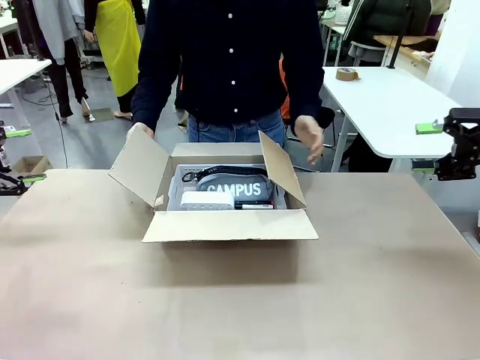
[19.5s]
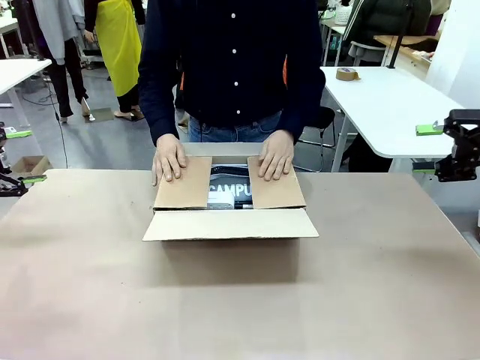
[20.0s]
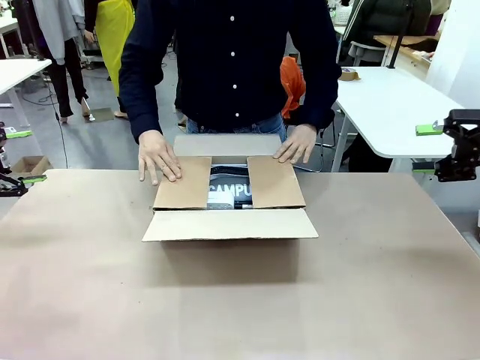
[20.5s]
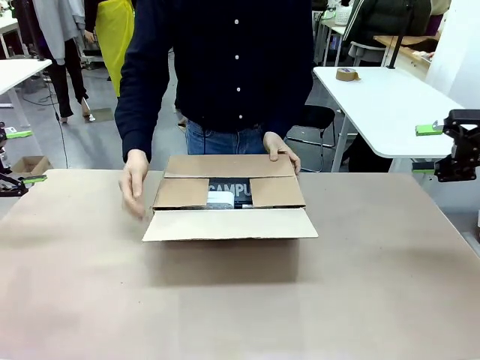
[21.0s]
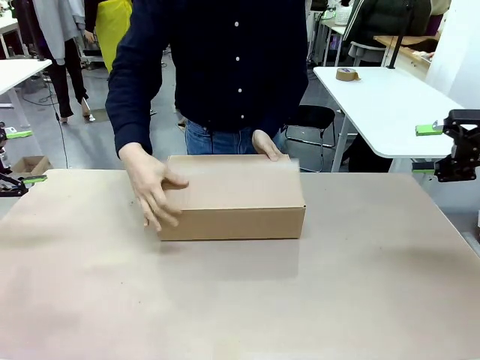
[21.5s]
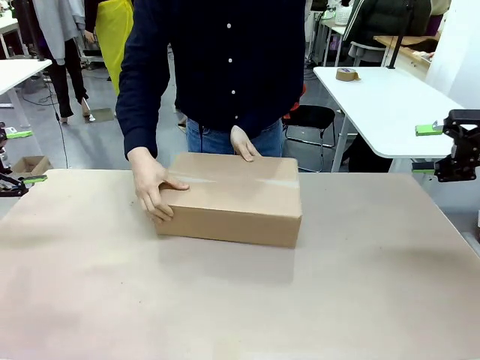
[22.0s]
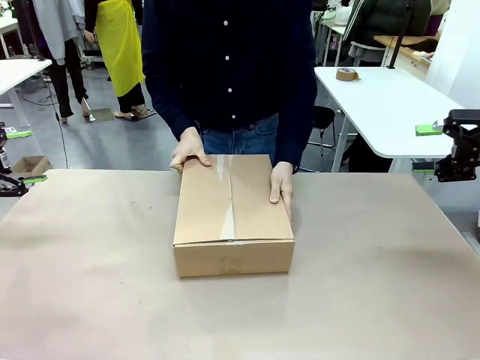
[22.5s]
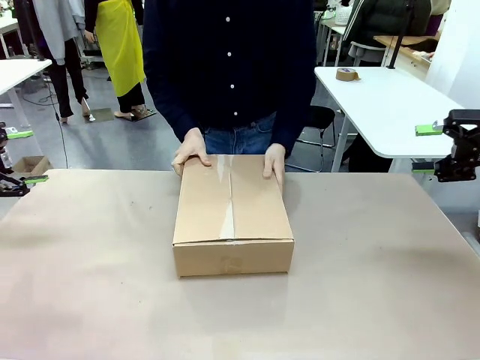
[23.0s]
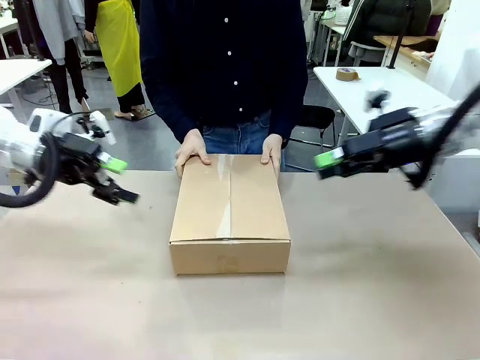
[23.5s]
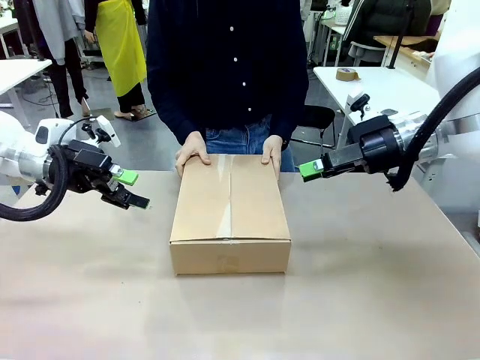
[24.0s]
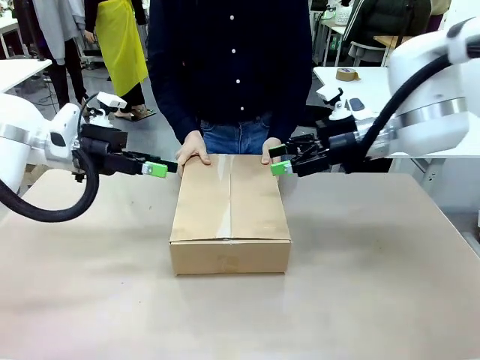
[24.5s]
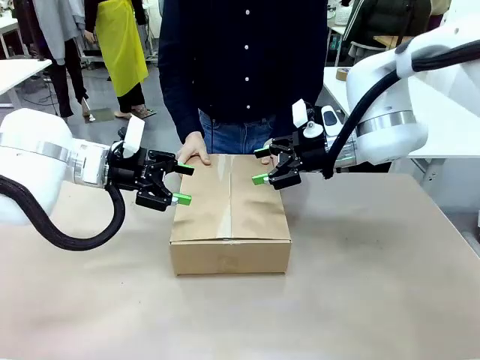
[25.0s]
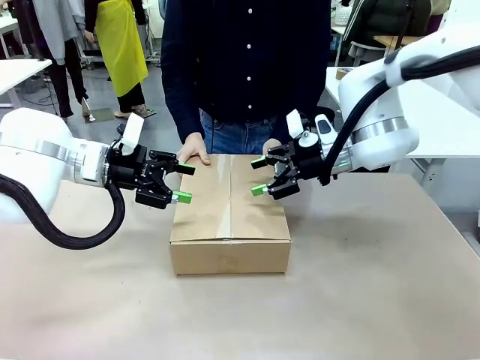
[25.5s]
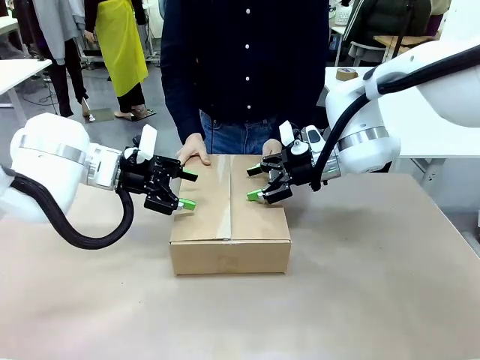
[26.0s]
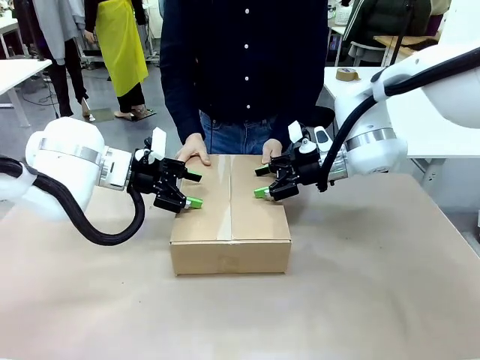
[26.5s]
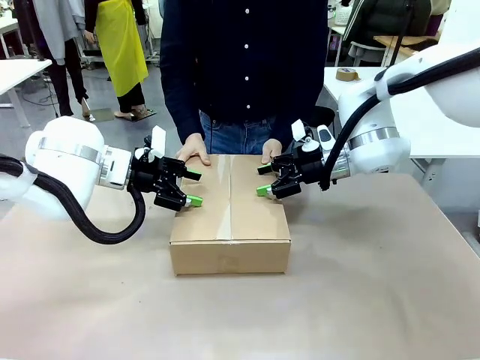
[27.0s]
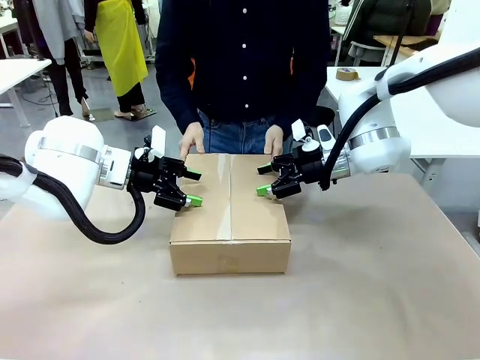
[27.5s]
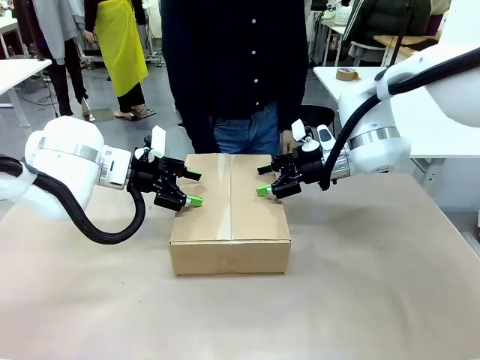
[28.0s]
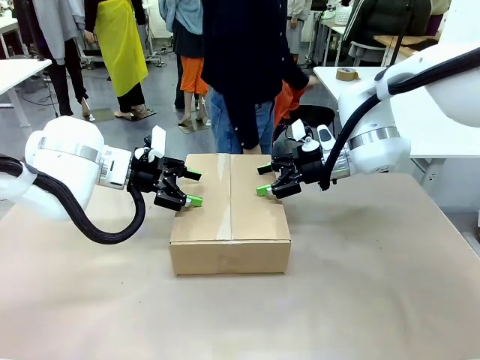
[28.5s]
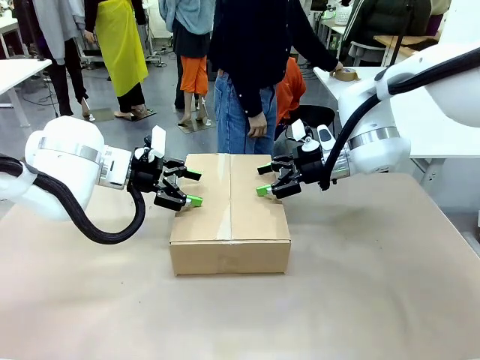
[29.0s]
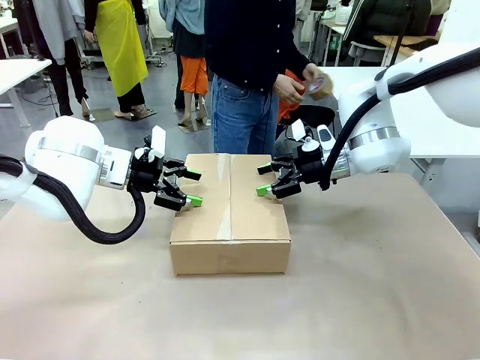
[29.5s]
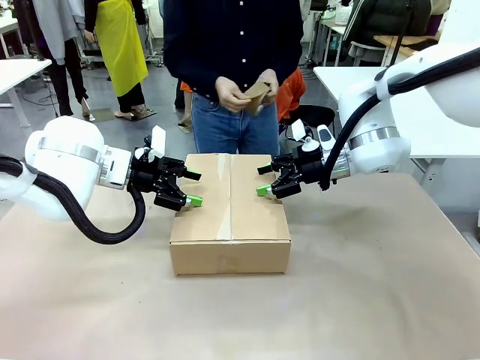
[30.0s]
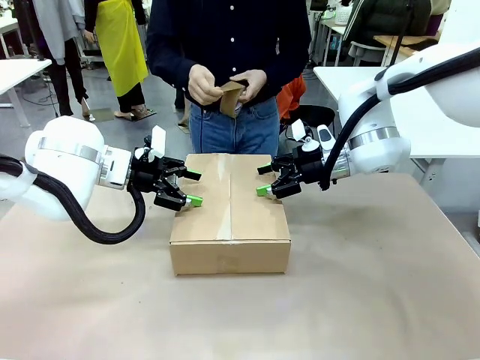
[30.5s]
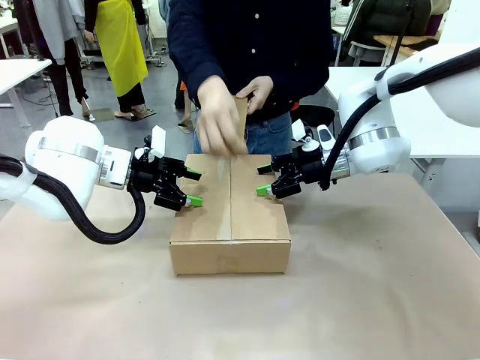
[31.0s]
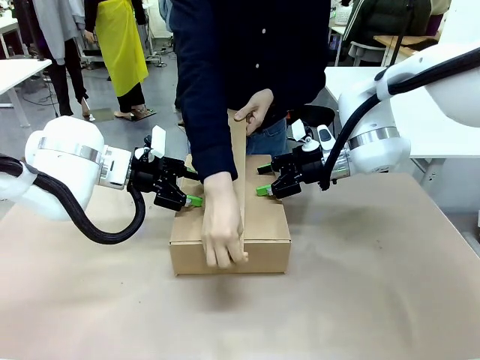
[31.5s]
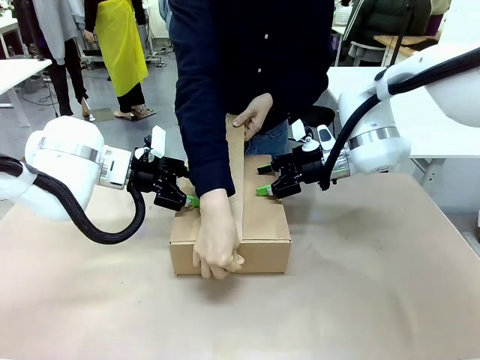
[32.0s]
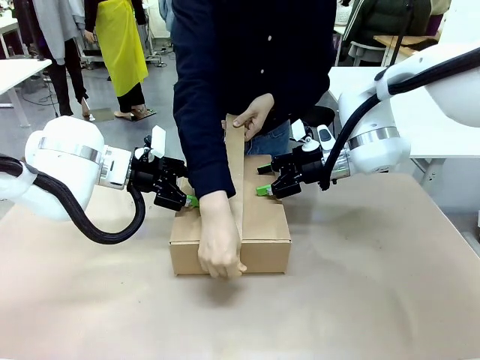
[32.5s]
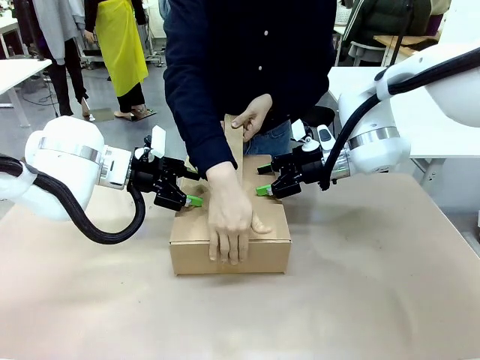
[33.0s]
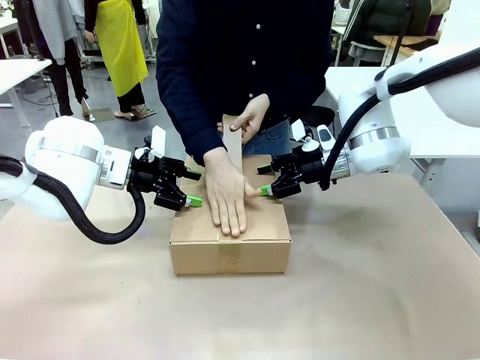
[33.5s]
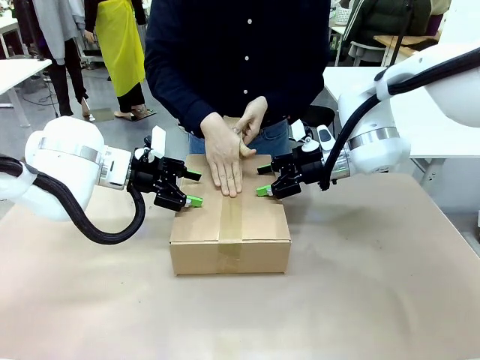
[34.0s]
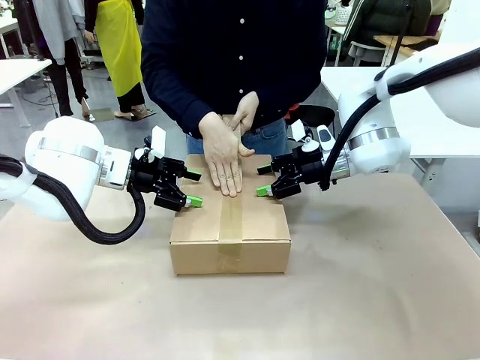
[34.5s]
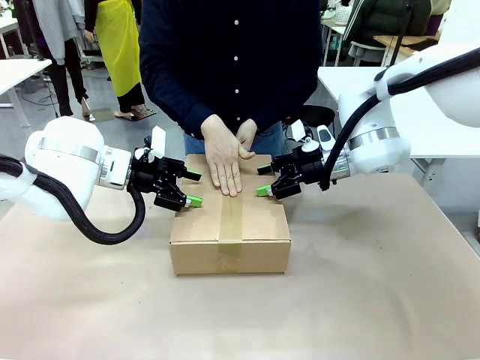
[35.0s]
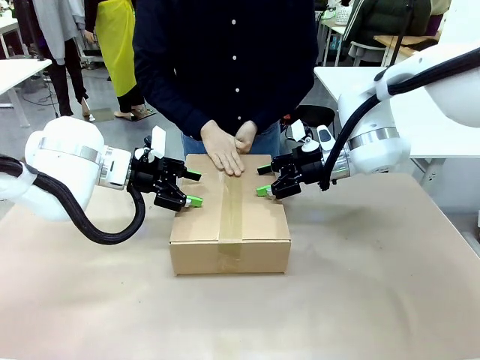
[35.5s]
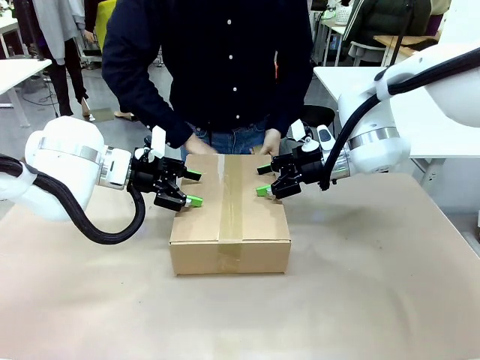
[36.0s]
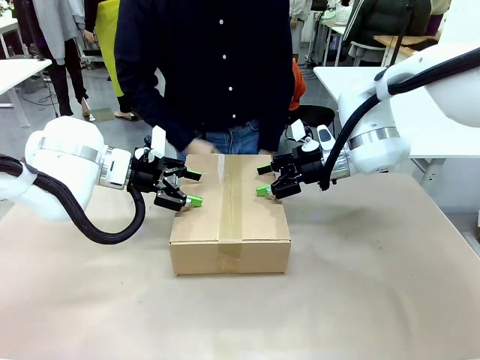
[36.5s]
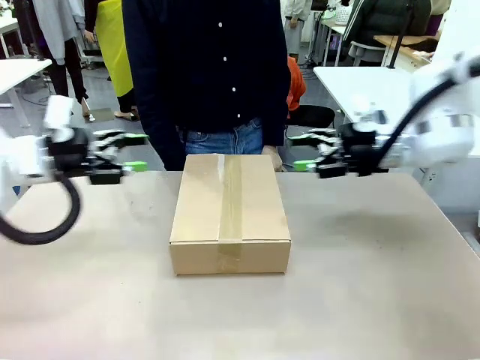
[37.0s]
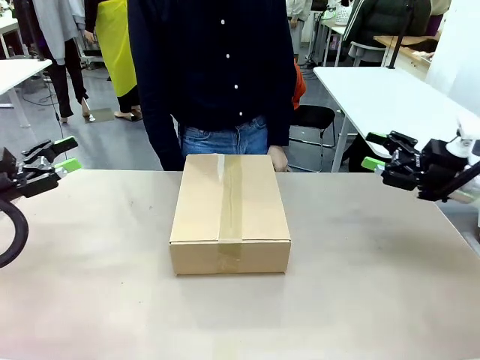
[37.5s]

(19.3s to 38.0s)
Task: Pack the gift set into the box.
Robot: Press and hold the closed box until the human finishes sealing it.
Person: The human closes the box and rotates the box by 90 degrees. The human picks up the paper tape from the human table and packs the box.
